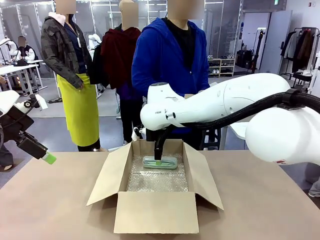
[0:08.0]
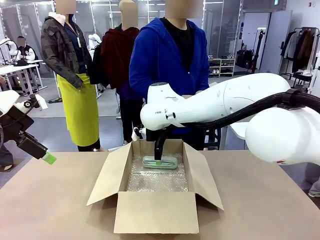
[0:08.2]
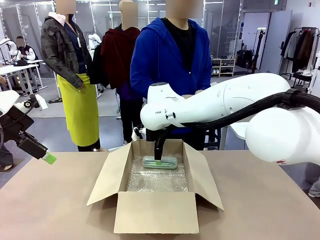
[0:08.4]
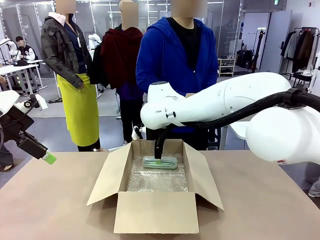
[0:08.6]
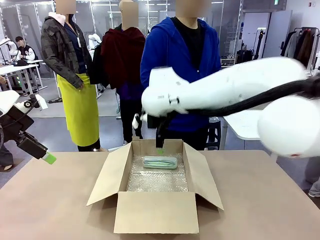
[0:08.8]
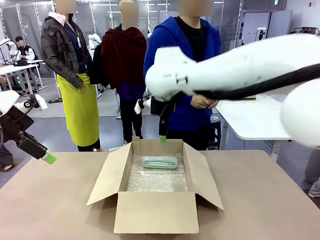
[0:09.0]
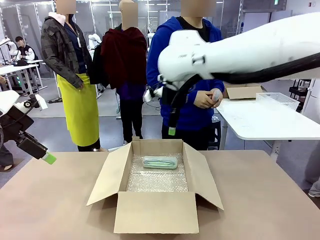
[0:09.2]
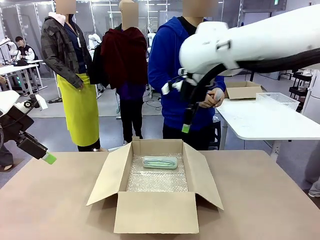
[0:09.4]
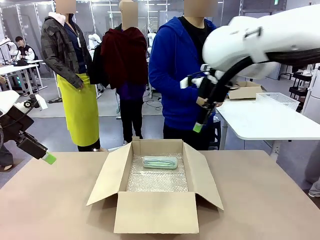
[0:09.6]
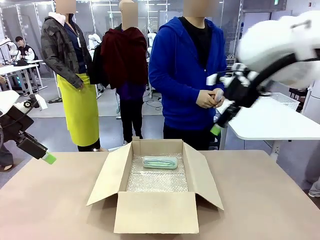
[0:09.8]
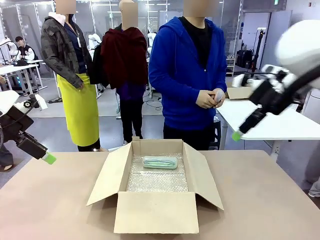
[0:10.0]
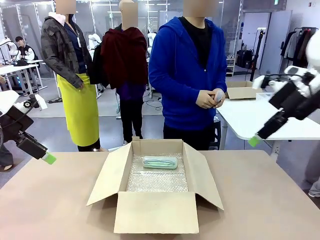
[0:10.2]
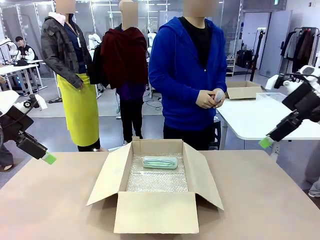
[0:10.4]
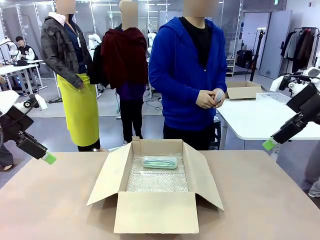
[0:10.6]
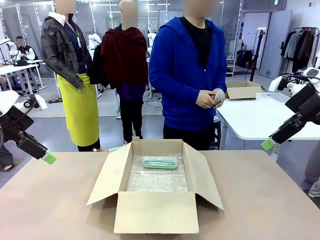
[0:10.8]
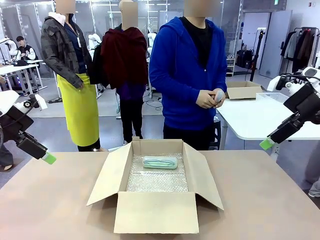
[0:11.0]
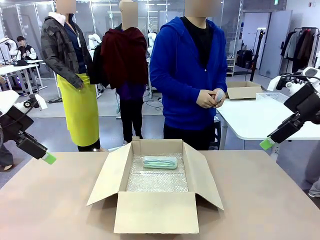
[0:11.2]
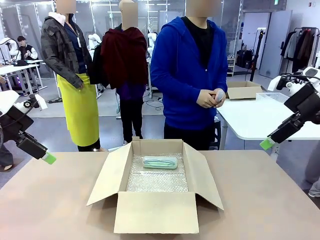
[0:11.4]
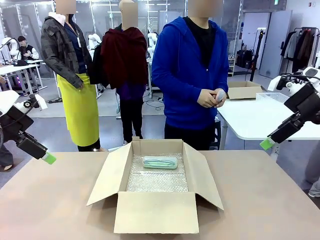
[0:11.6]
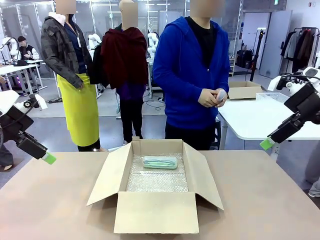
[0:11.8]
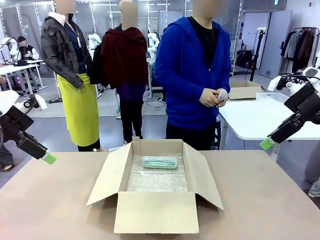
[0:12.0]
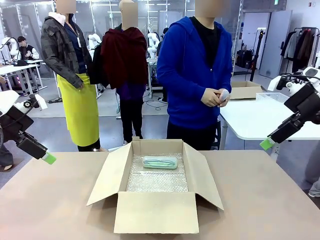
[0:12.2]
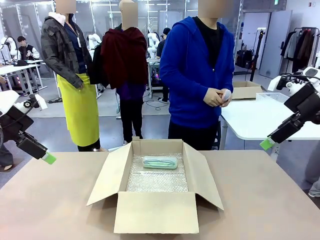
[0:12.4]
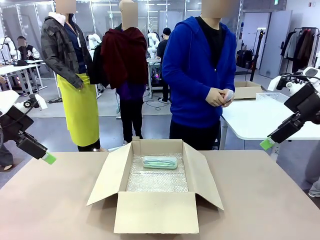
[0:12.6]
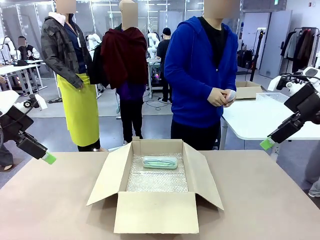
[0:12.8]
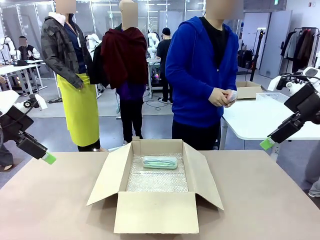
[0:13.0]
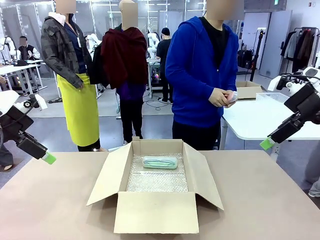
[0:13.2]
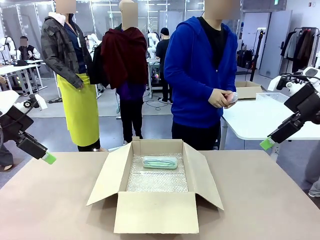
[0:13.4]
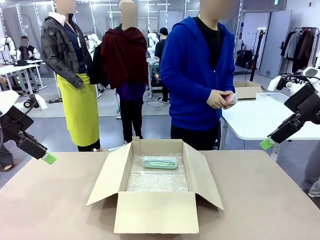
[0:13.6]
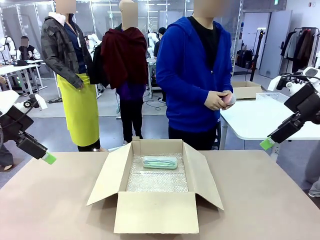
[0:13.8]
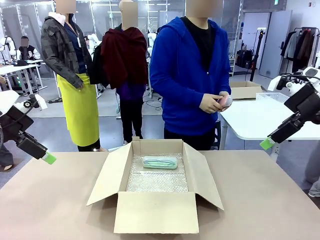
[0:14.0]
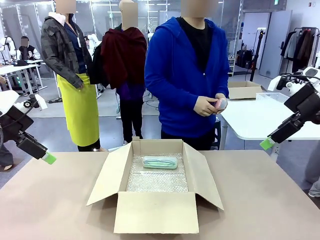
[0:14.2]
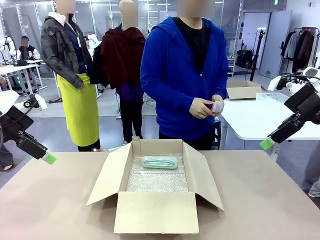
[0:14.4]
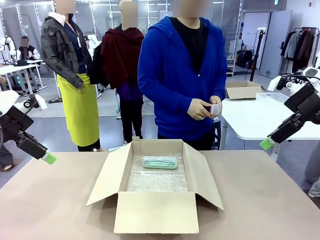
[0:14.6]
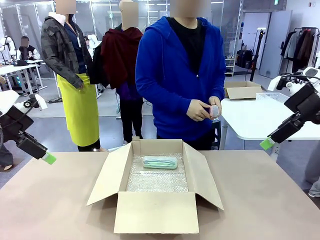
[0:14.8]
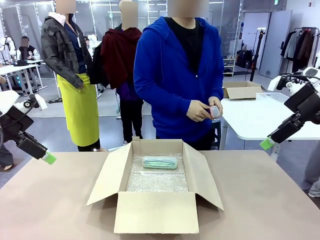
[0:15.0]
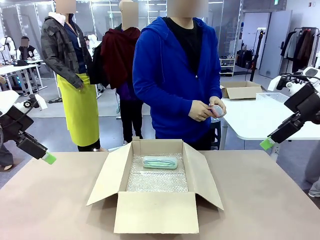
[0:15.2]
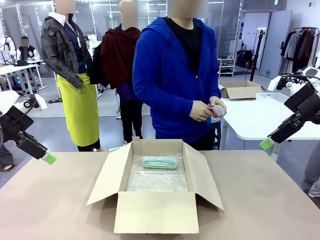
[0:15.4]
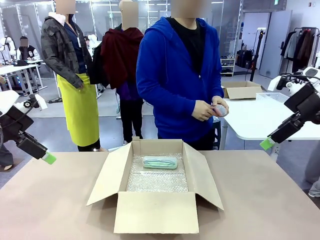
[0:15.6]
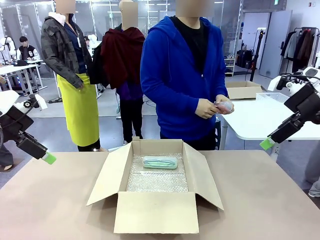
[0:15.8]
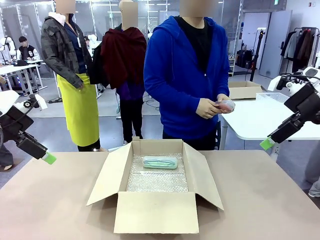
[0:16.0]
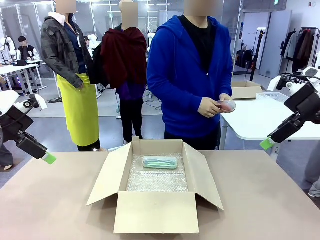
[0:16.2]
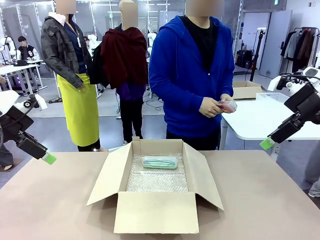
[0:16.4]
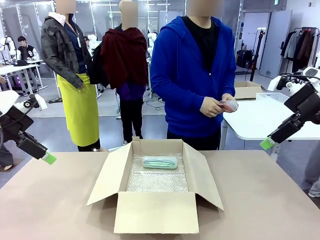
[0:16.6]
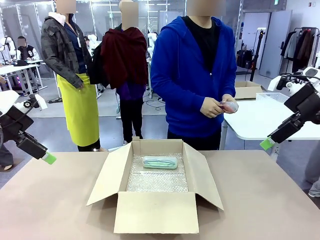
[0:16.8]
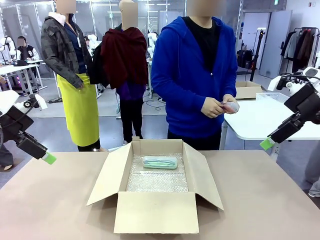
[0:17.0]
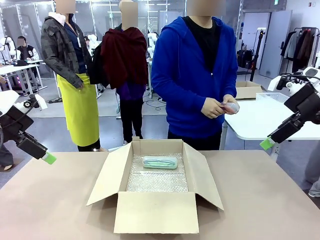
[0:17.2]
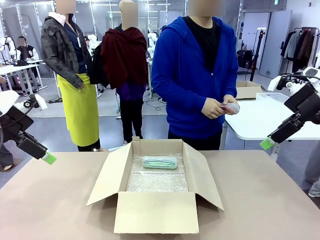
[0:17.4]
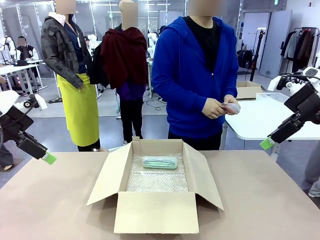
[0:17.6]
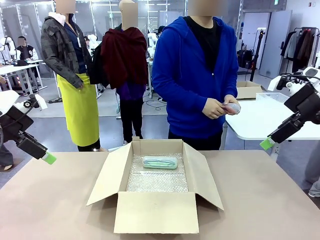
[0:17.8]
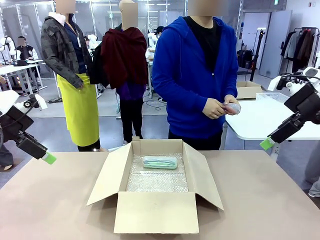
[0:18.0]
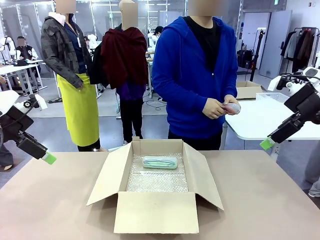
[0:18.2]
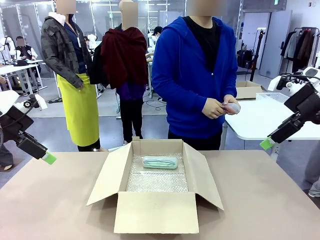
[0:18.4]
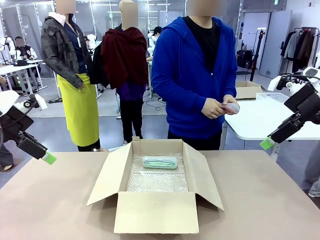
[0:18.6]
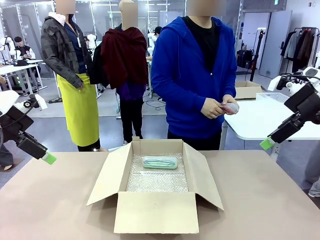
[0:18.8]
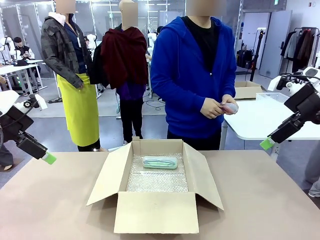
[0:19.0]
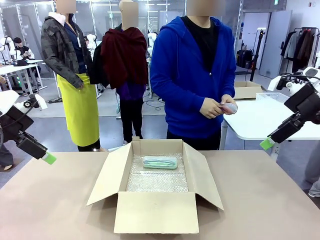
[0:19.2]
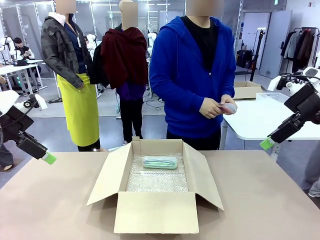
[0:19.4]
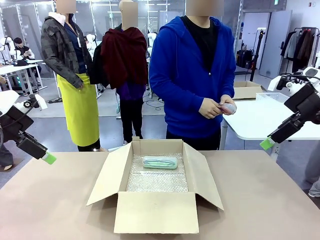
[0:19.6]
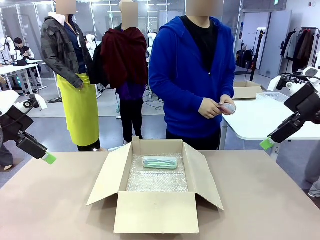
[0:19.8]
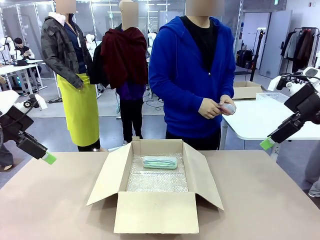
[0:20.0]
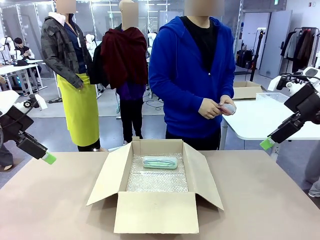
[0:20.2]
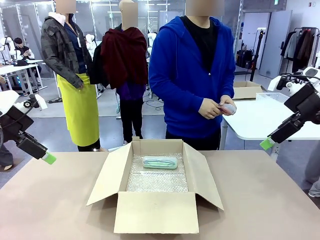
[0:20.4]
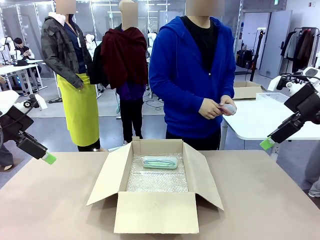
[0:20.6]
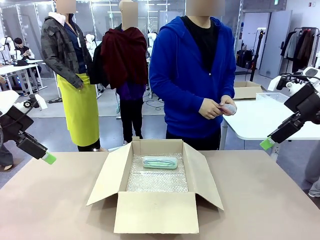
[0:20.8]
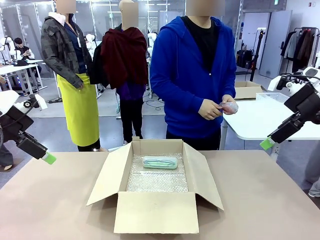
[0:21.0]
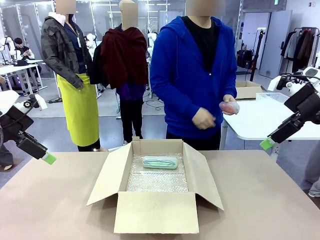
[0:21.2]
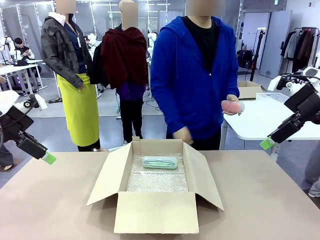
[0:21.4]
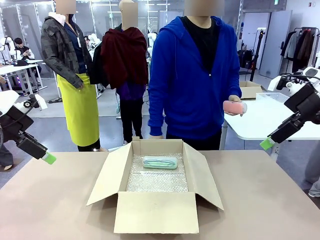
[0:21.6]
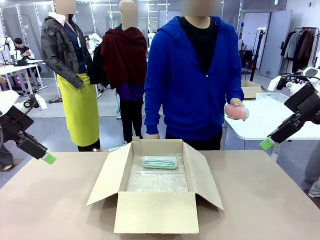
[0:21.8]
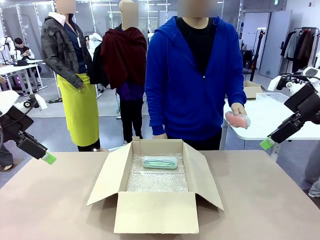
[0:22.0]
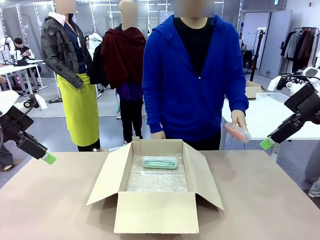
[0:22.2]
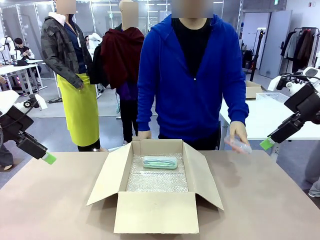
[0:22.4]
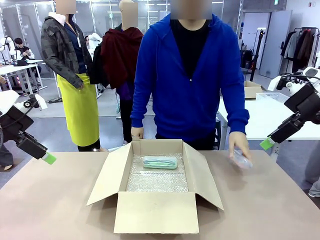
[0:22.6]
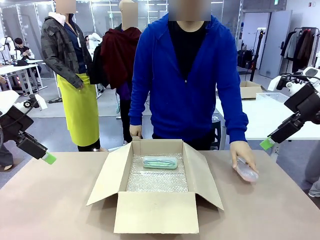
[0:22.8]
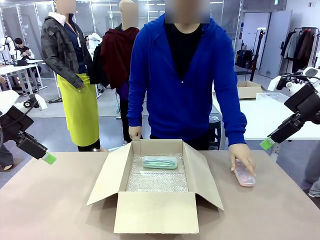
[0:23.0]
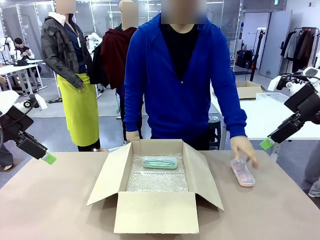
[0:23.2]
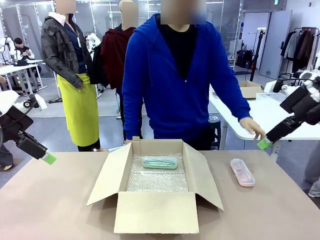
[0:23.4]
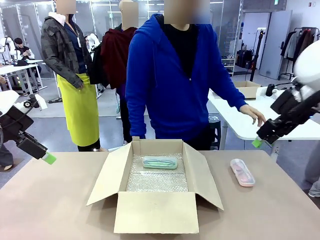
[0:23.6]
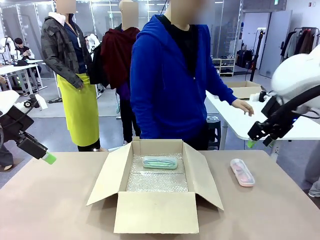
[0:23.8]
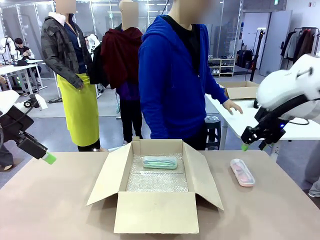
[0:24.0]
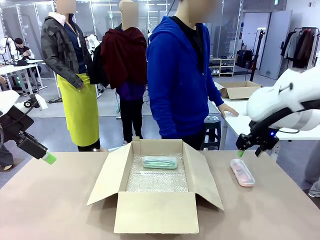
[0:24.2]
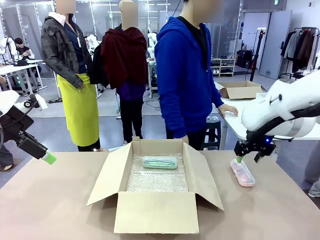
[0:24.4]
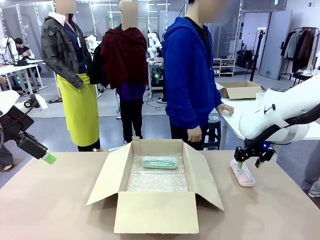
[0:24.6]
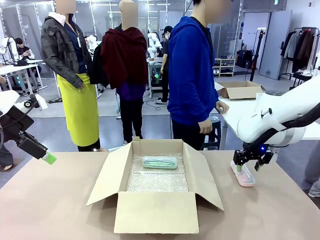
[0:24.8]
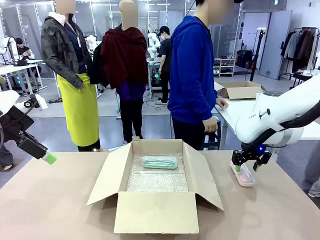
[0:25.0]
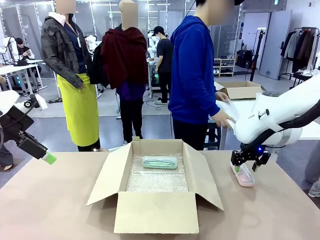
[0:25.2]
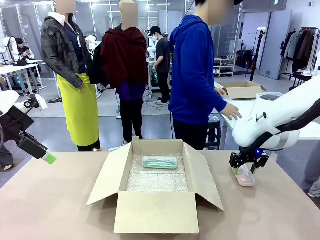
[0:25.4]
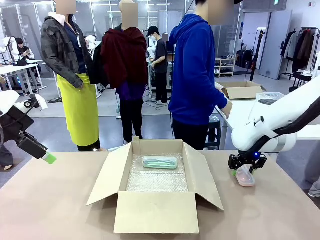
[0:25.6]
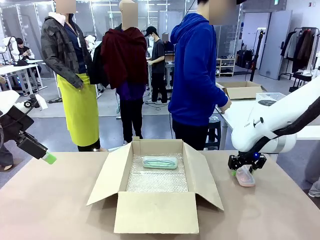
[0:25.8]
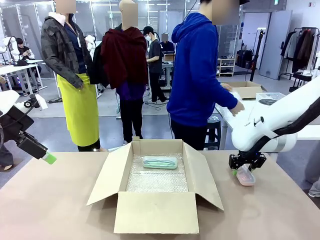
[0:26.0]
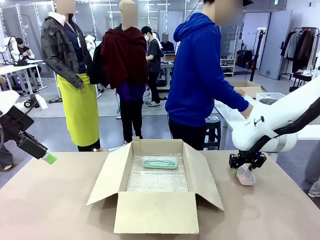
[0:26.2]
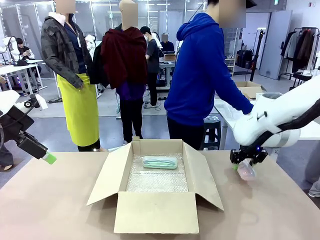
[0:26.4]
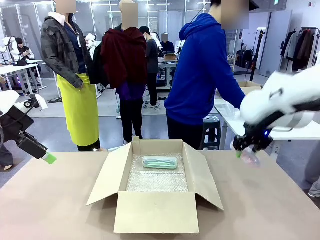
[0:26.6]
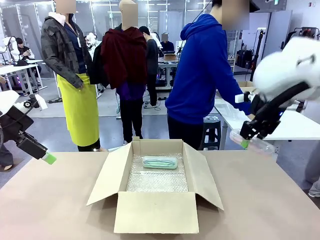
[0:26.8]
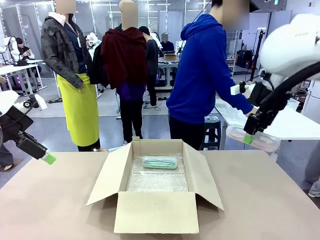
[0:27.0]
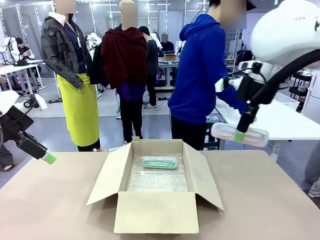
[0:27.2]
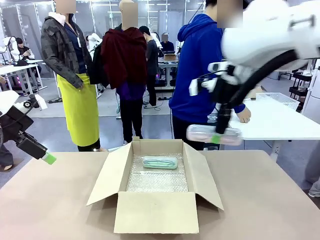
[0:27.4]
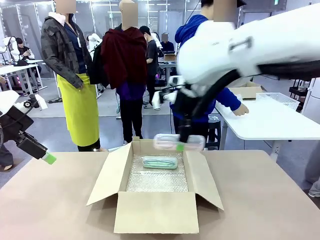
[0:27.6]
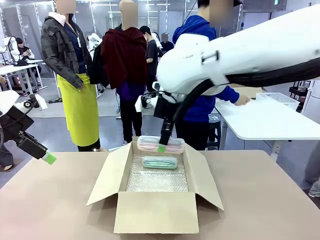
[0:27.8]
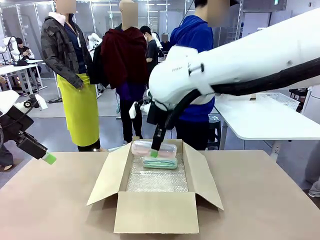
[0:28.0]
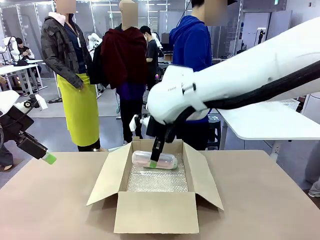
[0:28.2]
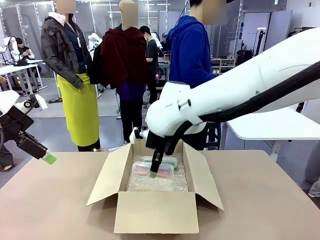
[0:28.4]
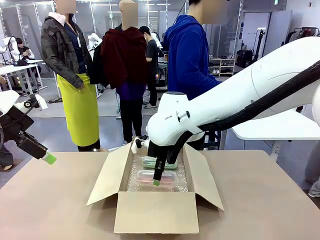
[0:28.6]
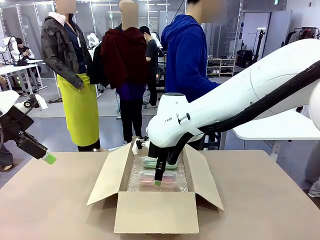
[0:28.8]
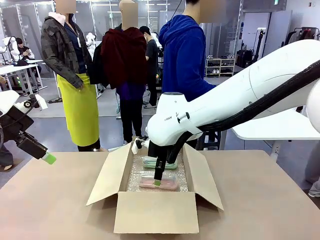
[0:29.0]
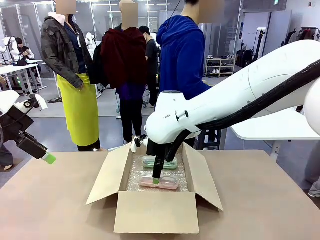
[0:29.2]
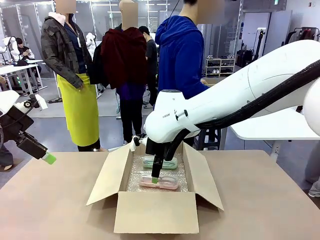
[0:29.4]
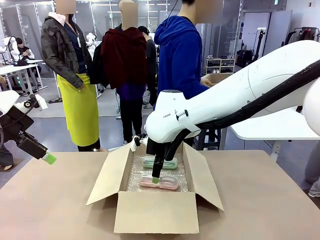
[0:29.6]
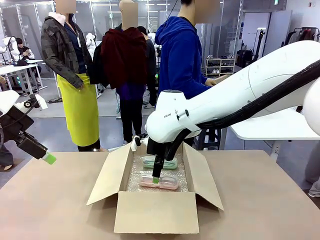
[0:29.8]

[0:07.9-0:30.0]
Task: Pack the glasses set securely to prepare it for shipping.
Robot: Put the Glasses case from the right side of the table into the Package Box.
Person: Position the Glasses case on the left side of the robot's table.
